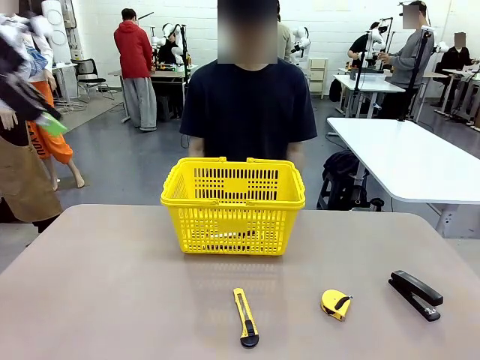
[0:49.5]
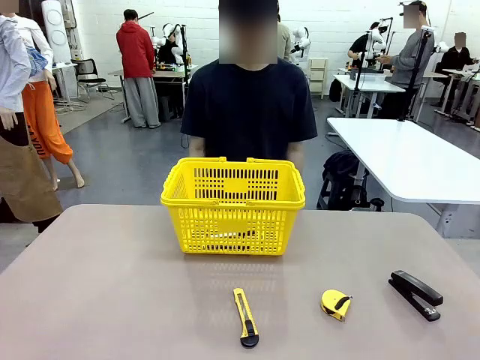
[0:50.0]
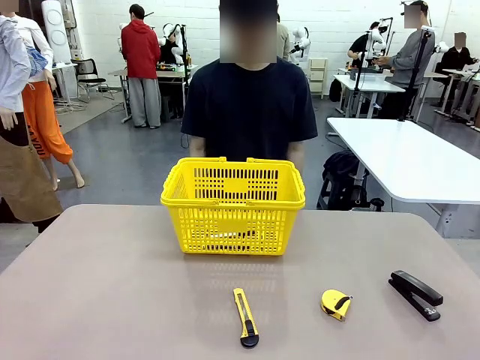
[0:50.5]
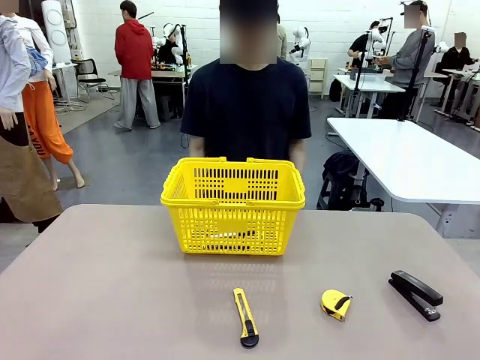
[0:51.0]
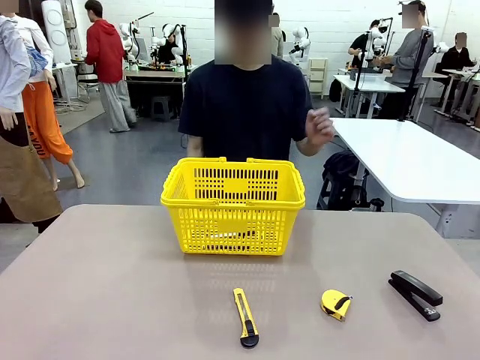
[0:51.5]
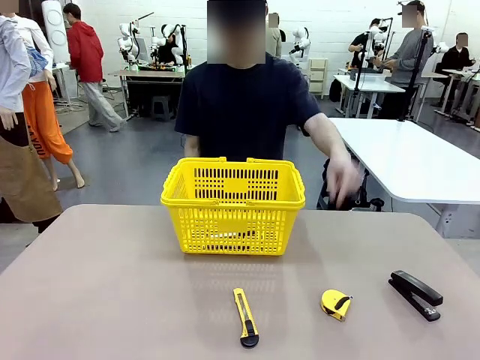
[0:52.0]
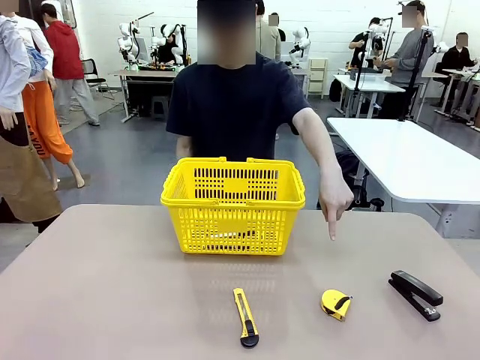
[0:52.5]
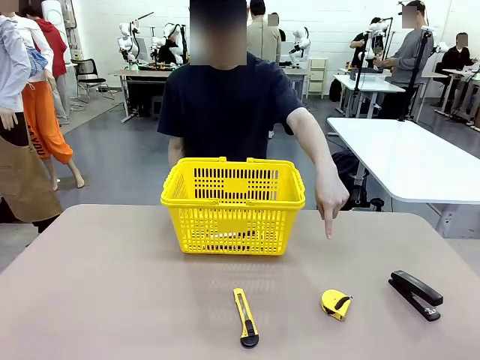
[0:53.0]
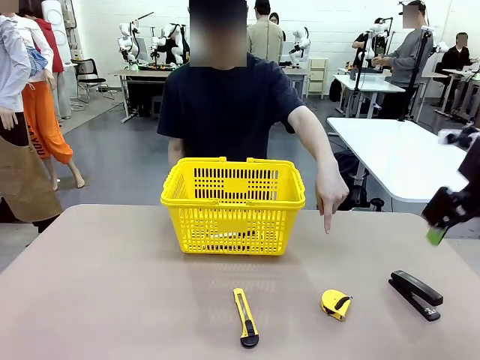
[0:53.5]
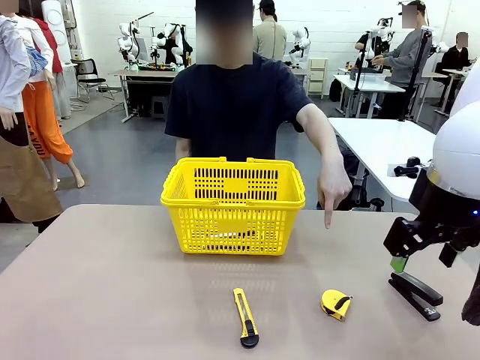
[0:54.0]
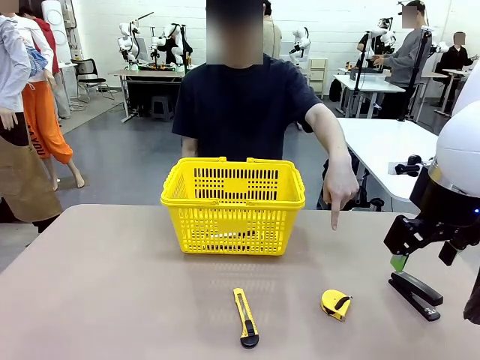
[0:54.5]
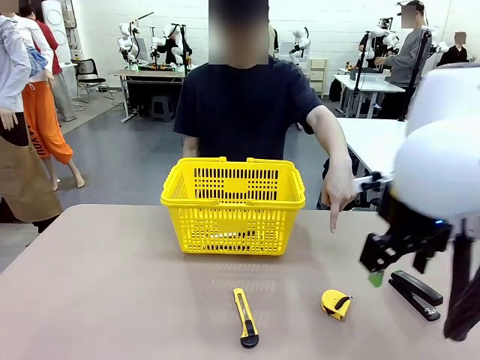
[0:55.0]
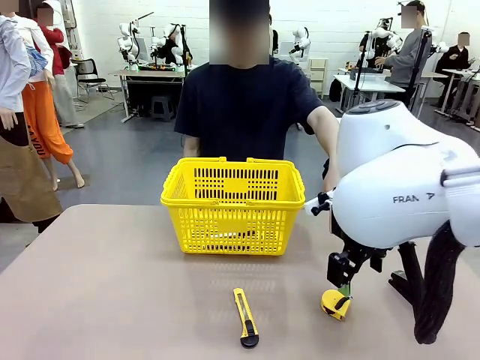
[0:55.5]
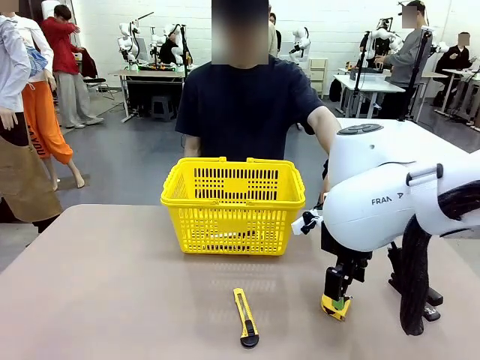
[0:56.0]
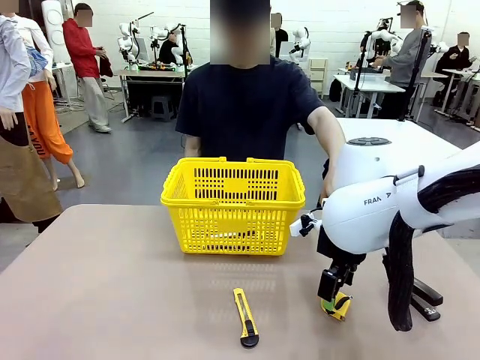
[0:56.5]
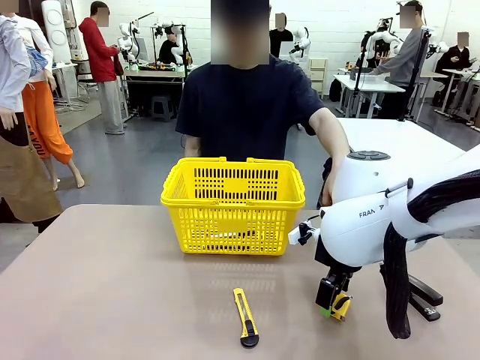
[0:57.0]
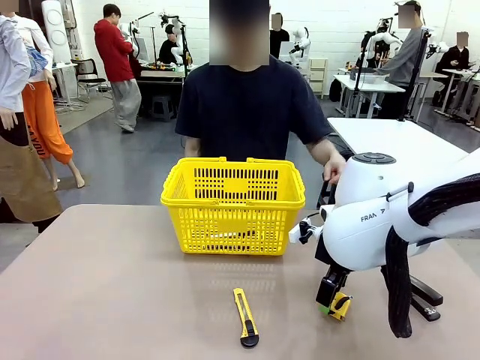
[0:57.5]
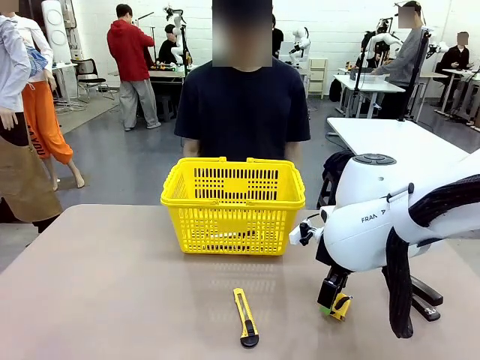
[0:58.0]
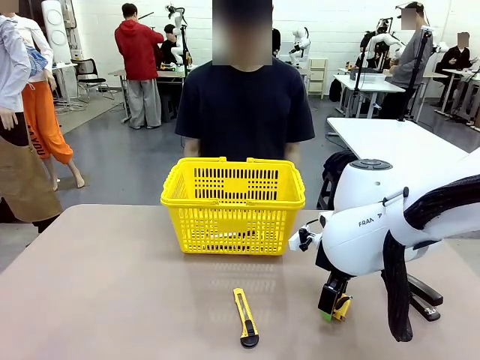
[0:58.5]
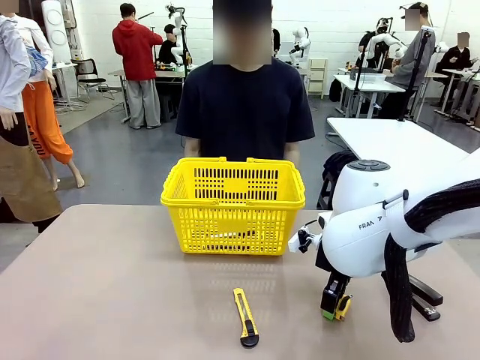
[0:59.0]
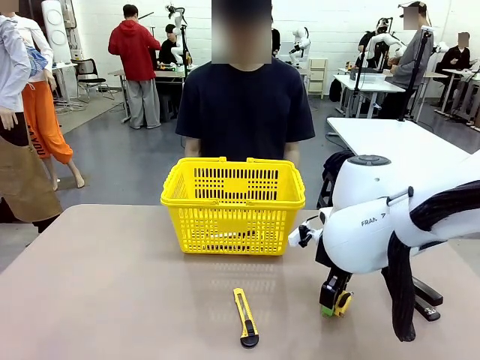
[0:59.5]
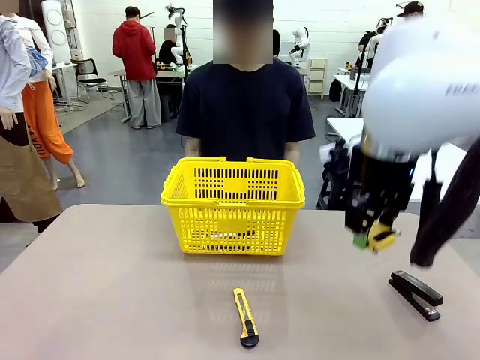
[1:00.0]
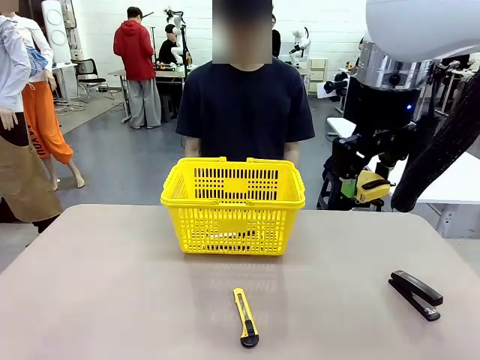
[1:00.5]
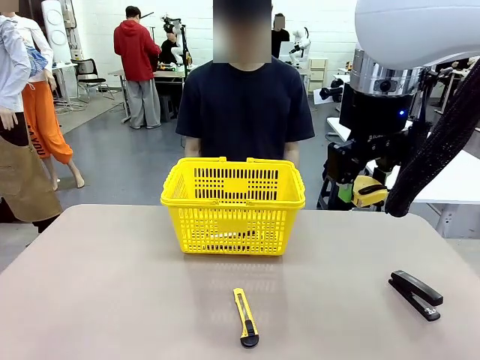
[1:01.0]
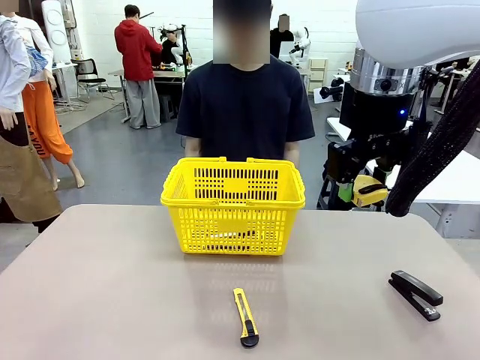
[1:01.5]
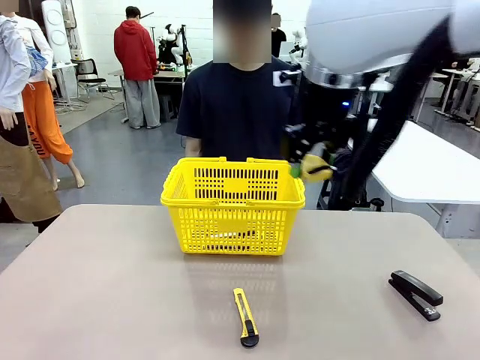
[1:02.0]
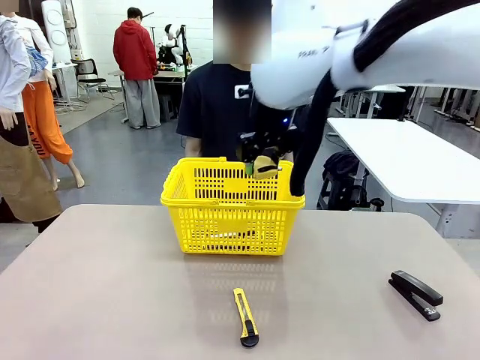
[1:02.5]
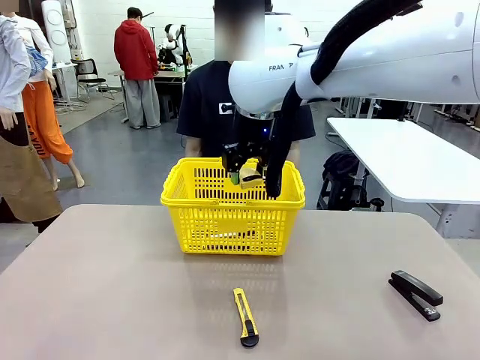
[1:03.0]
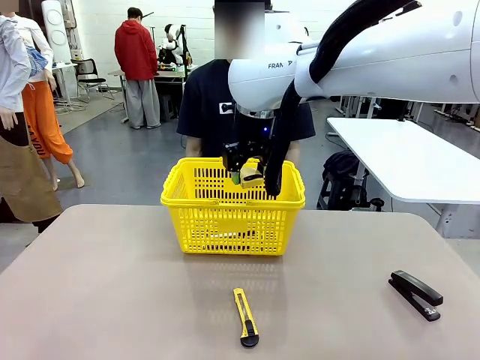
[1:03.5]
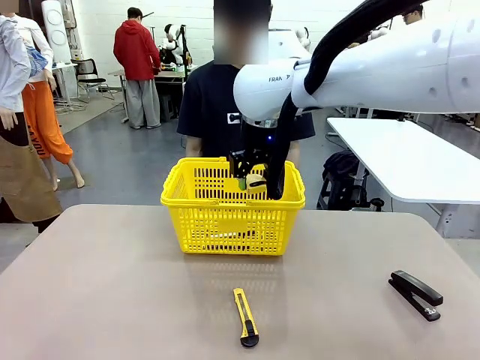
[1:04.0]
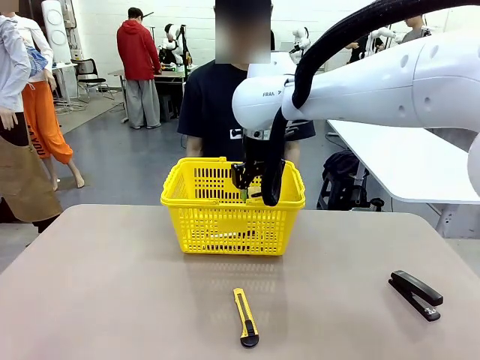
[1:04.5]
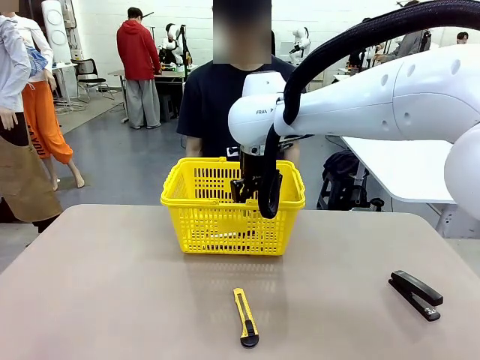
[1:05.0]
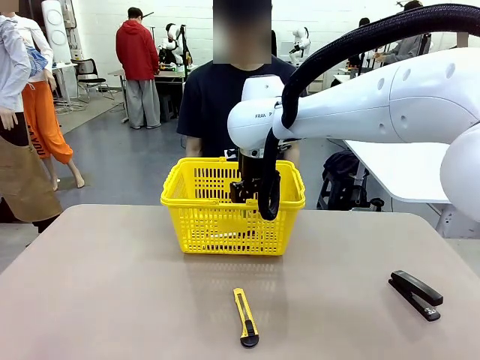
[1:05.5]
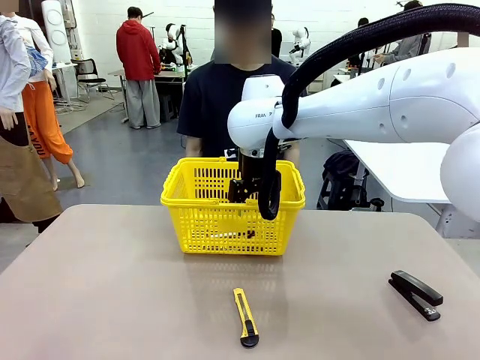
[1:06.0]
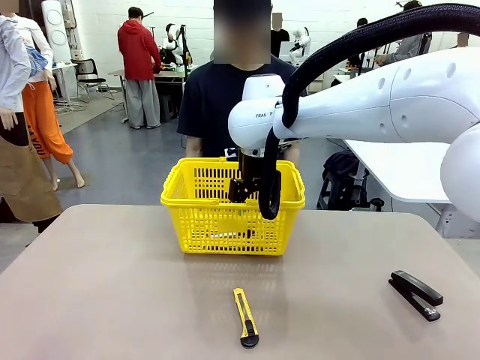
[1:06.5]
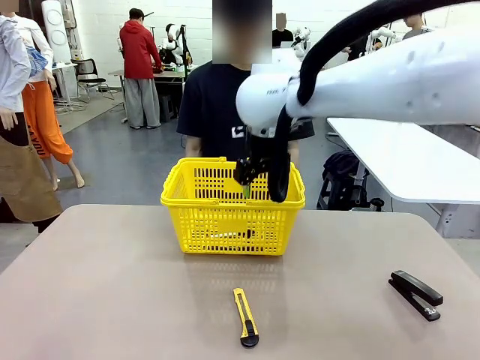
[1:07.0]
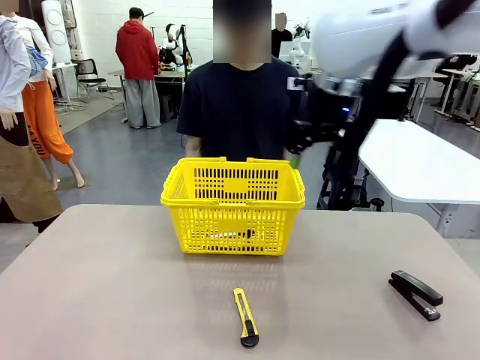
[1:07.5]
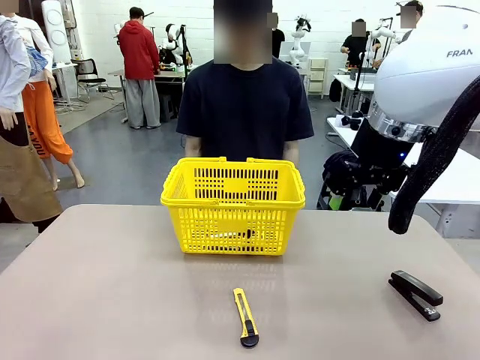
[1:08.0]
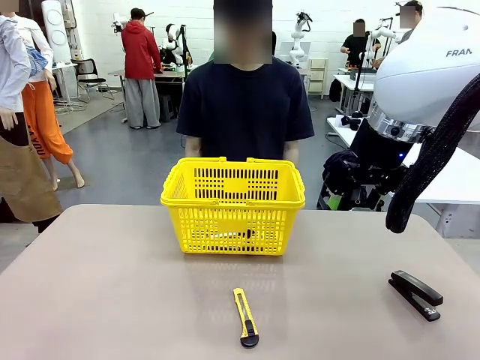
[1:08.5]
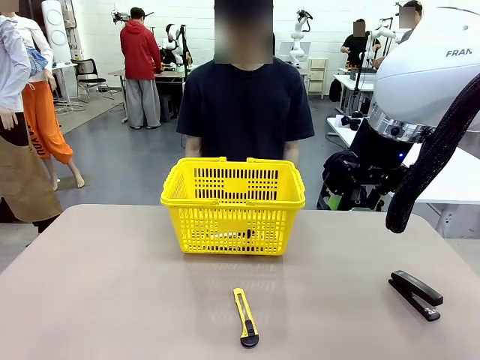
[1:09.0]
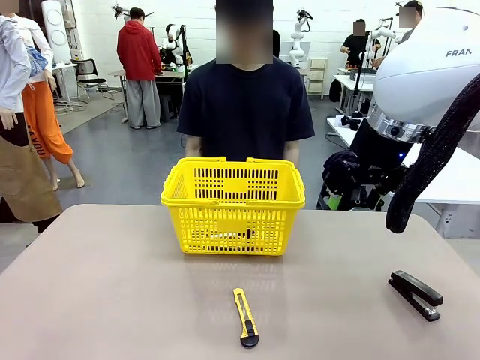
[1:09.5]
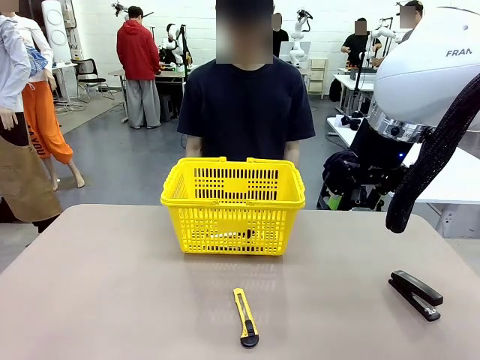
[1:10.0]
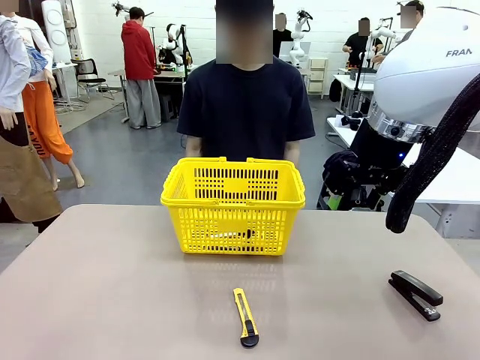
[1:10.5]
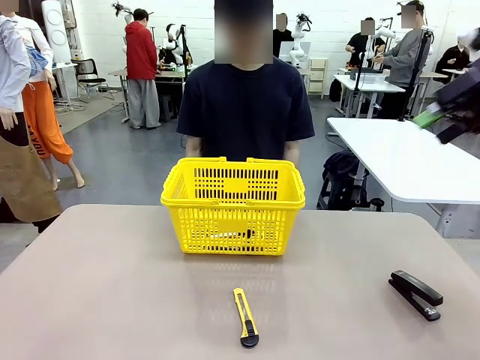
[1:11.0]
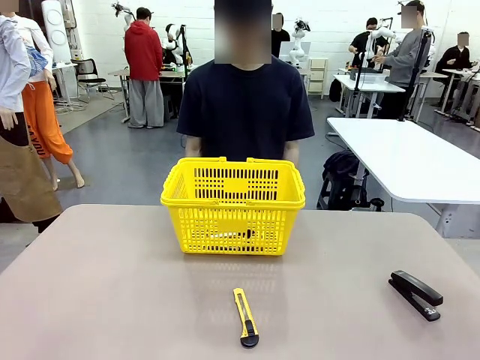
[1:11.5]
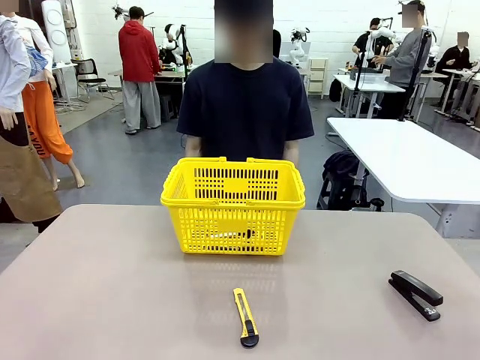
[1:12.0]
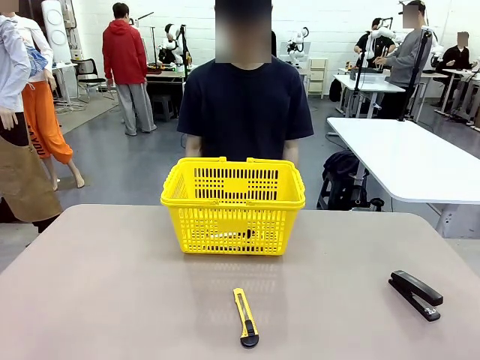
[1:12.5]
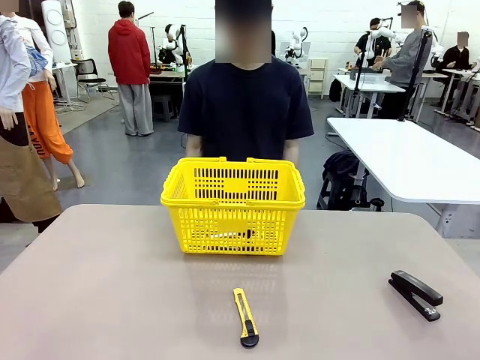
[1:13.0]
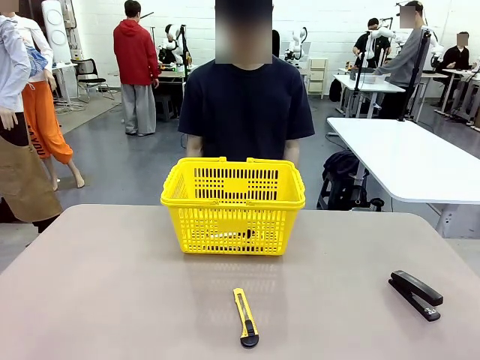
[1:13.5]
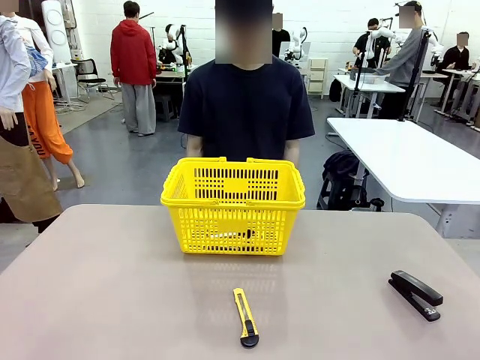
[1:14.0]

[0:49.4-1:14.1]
Task: Place the items the person wants into the basket.
Robot: Pick up the item the person points to and place it in the Market Basket.
